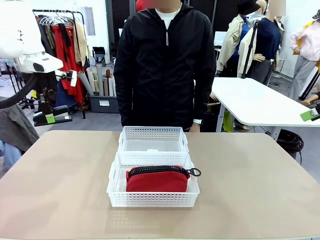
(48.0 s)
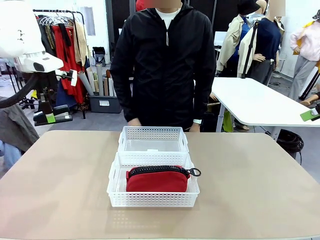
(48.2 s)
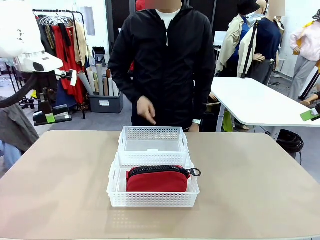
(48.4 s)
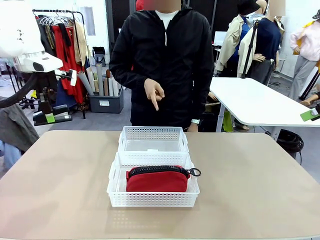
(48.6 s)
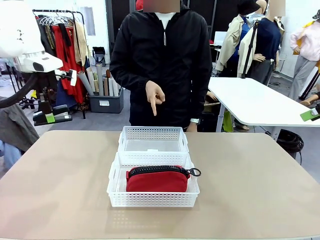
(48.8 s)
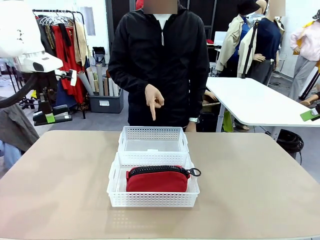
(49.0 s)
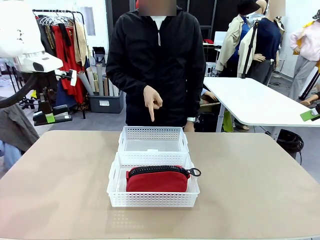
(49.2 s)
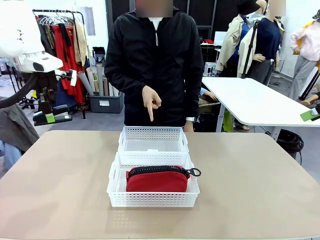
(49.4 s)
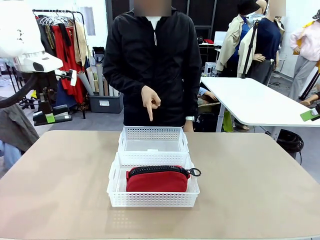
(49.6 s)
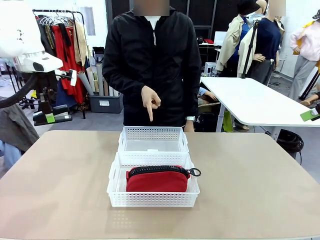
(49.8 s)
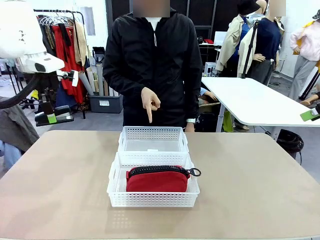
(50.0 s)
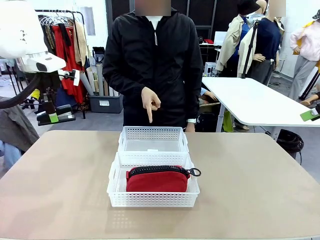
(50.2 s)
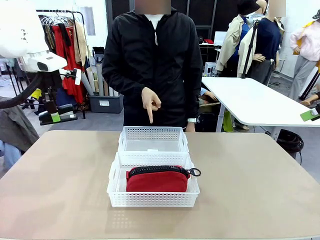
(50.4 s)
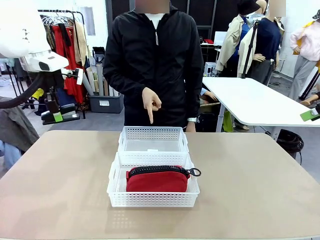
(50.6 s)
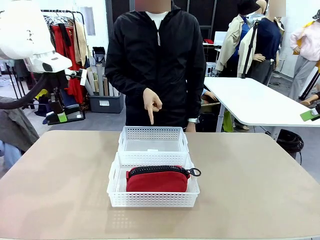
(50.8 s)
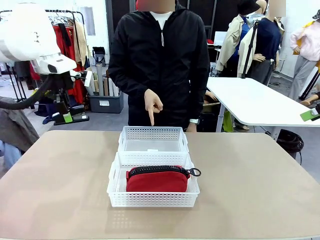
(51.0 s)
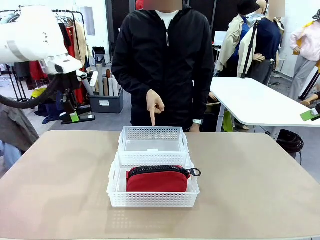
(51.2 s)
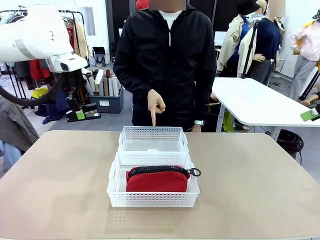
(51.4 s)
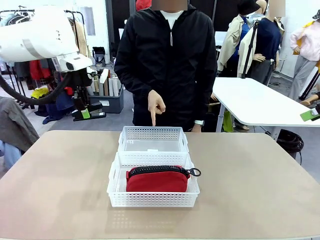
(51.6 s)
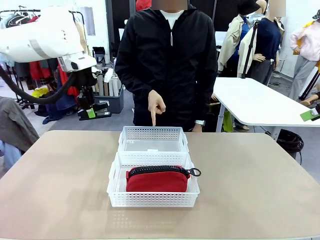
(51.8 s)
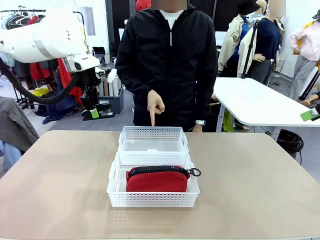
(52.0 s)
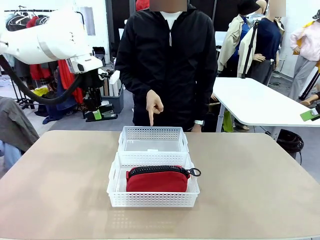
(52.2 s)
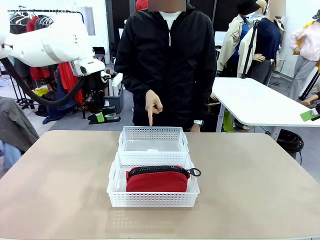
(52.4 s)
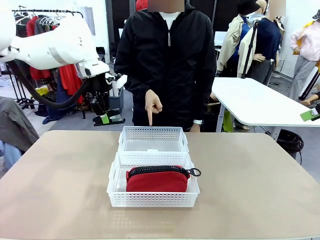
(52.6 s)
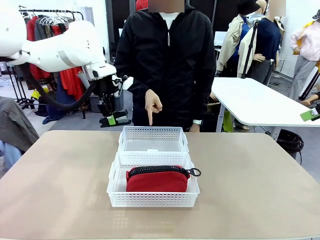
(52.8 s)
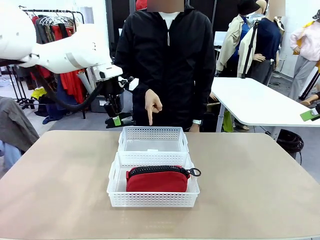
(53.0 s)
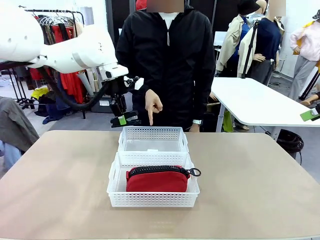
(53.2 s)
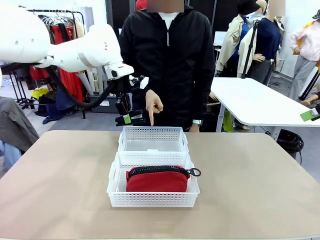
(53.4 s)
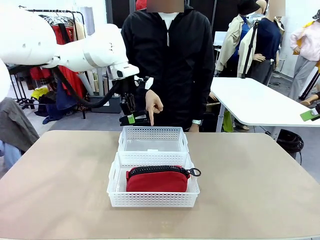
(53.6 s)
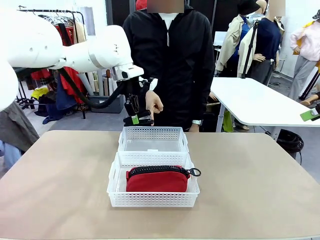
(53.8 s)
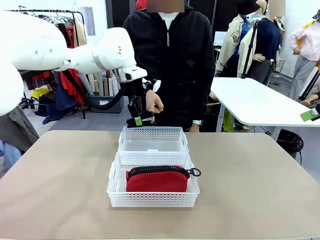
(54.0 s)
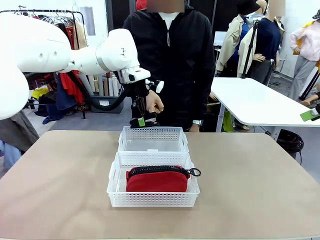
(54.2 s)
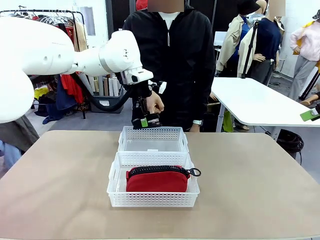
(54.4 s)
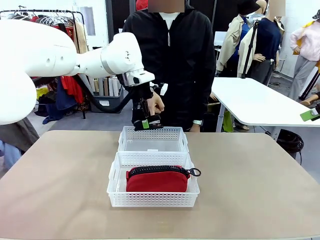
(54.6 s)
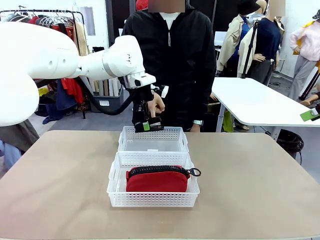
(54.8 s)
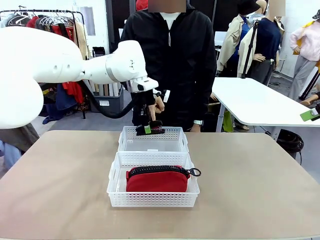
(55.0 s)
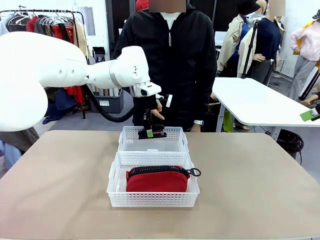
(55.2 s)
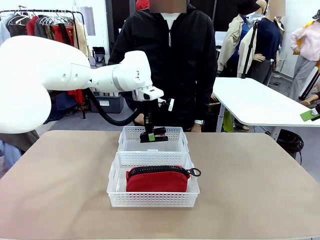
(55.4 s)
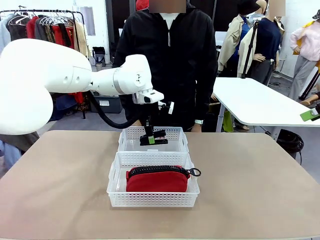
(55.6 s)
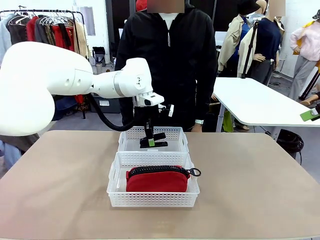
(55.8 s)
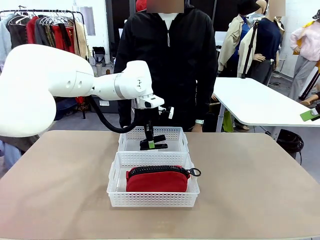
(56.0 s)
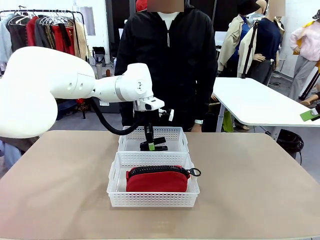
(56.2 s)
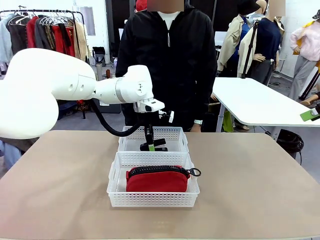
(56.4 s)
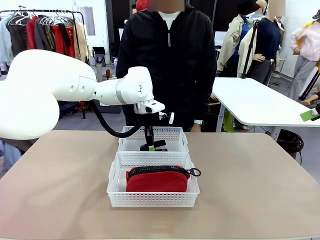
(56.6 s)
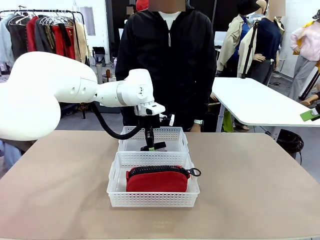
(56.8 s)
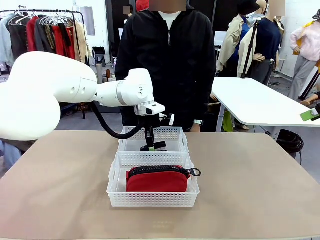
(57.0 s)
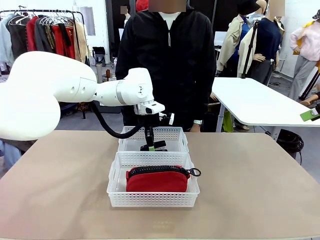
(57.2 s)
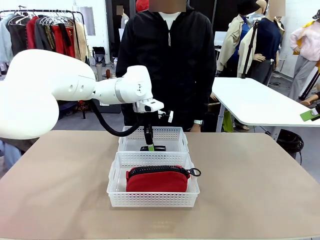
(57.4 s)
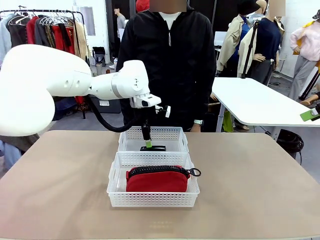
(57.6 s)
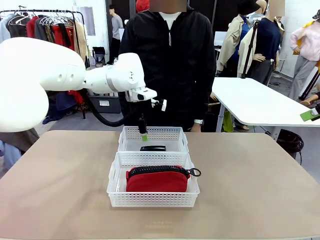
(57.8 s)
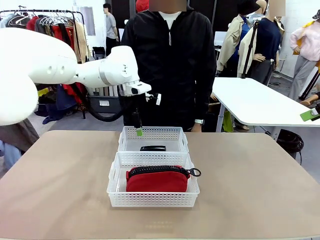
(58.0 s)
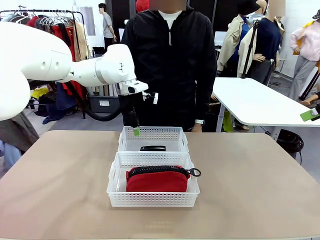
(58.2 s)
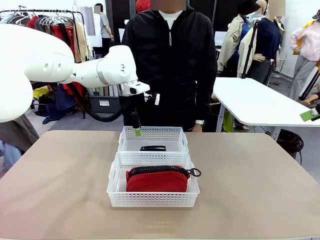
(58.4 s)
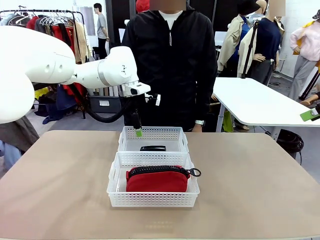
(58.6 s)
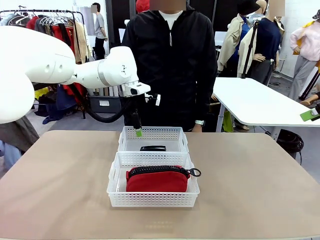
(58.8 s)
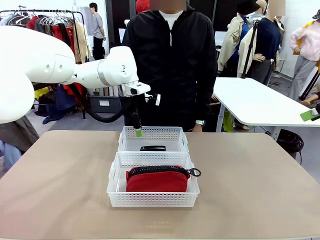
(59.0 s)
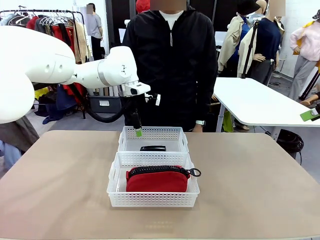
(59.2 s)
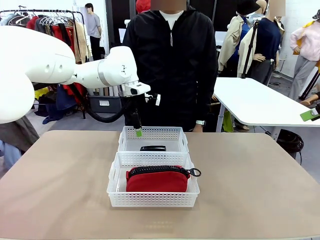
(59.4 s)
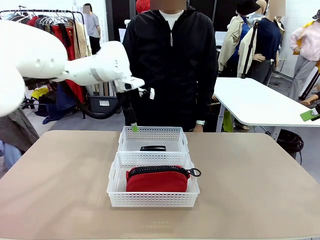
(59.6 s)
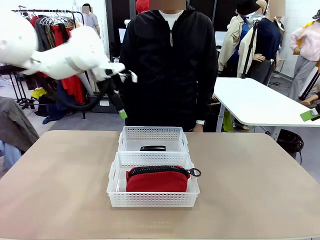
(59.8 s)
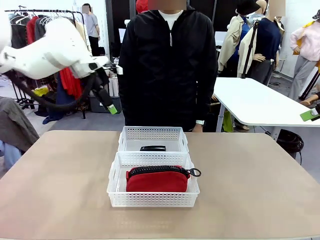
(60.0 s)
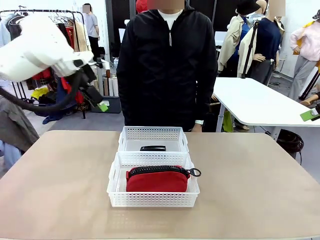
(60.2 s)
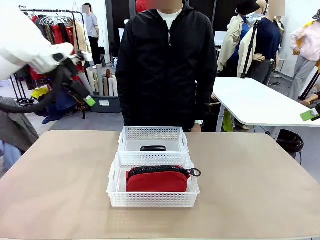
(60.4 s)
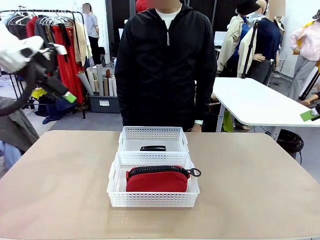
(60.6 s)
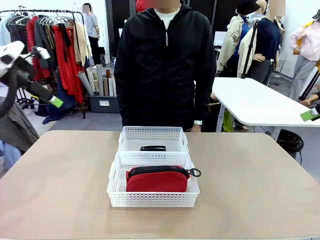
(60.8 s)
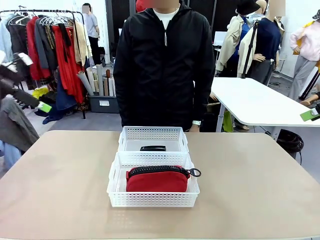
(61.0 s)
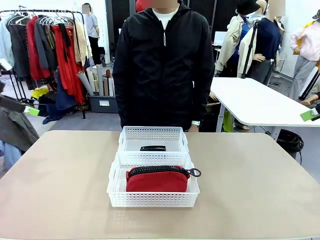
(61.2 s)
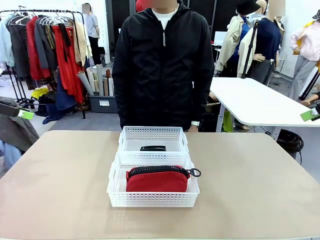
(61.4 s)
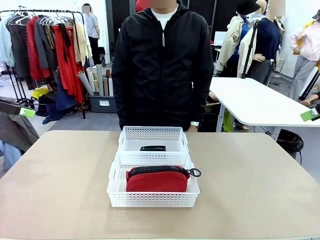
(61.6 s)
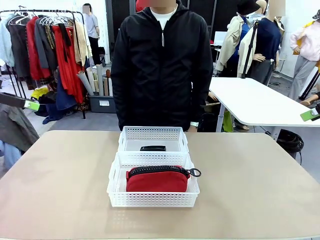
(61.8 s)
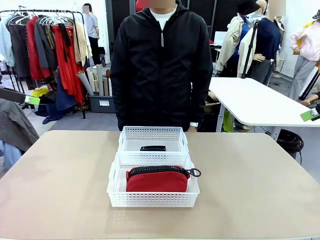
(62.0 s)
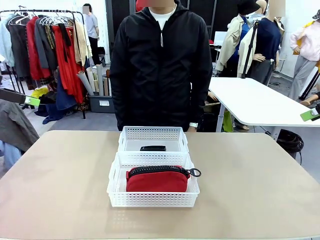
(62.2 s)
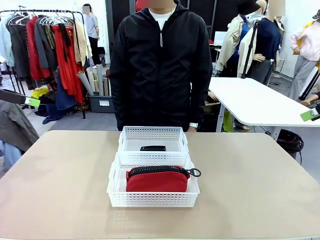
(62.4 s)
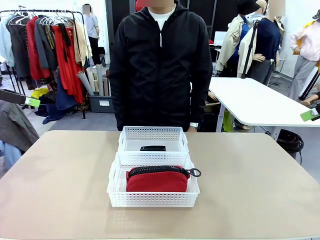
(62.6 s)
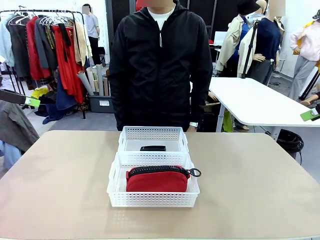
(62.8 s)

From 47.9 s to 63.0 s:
Task: Distribute items into two baskets.
Robot: Place the picked Stapler into the Organizing basket as instructed by the person.
Person: Points to the basket that does not contain the pencil case and instructs the robot to move the stapler there.

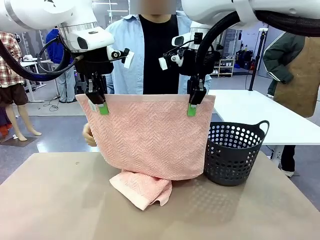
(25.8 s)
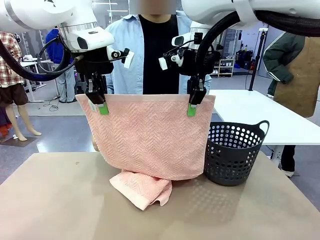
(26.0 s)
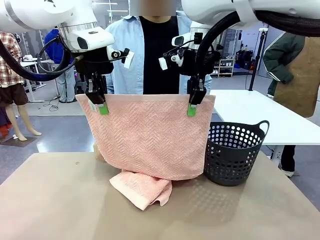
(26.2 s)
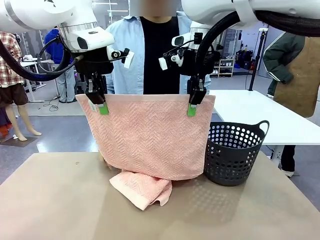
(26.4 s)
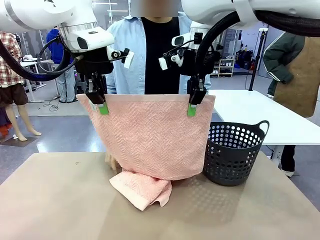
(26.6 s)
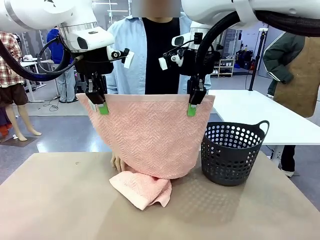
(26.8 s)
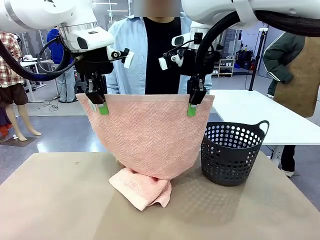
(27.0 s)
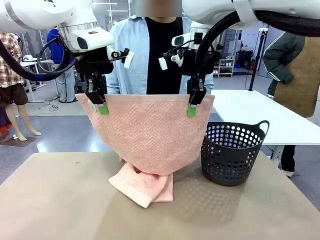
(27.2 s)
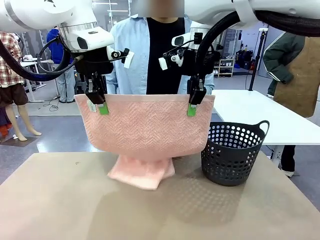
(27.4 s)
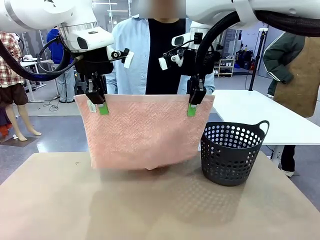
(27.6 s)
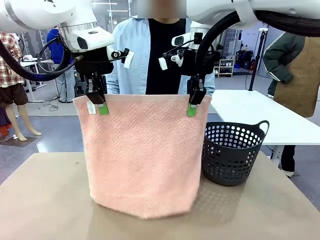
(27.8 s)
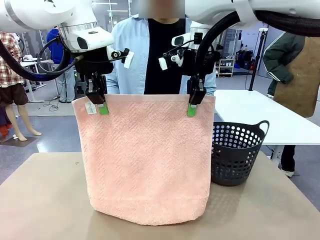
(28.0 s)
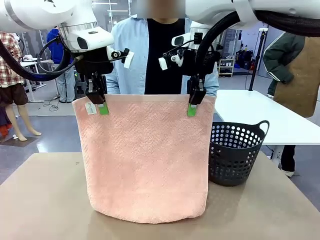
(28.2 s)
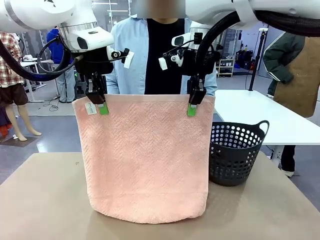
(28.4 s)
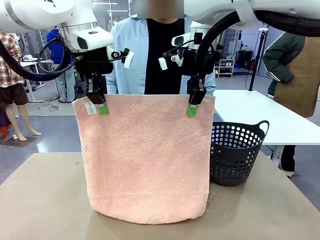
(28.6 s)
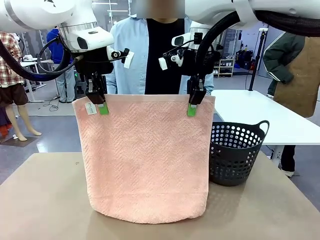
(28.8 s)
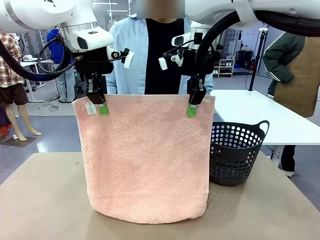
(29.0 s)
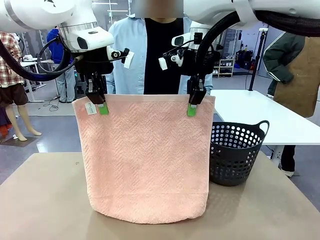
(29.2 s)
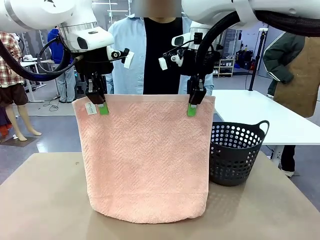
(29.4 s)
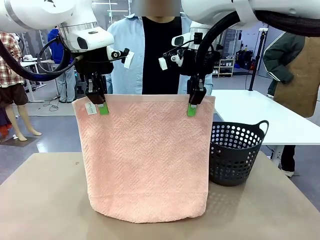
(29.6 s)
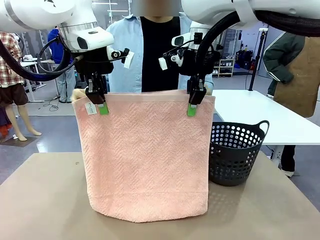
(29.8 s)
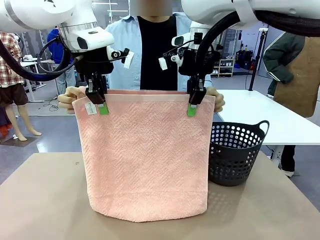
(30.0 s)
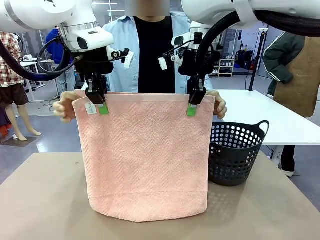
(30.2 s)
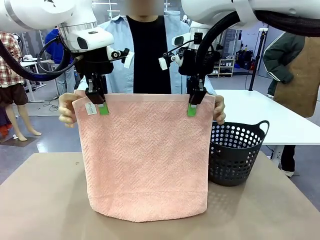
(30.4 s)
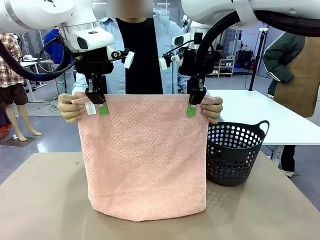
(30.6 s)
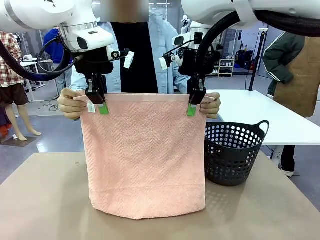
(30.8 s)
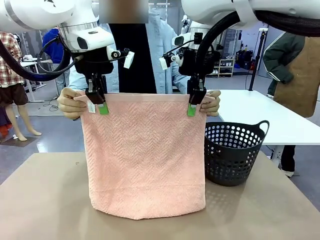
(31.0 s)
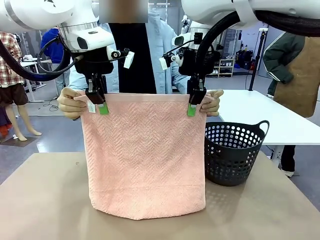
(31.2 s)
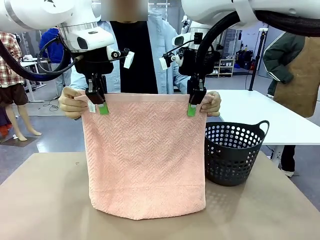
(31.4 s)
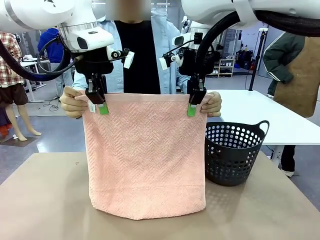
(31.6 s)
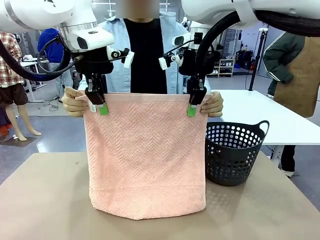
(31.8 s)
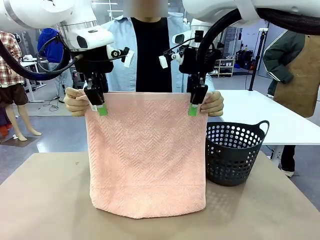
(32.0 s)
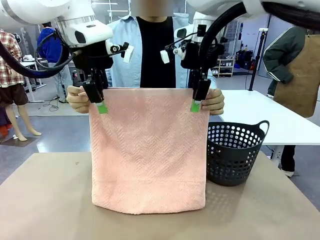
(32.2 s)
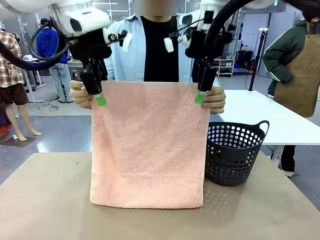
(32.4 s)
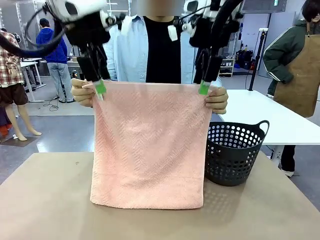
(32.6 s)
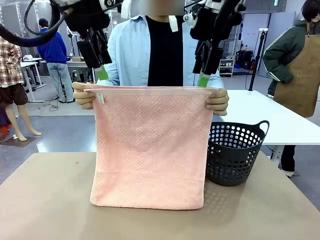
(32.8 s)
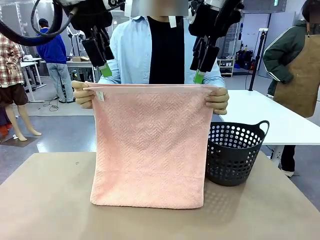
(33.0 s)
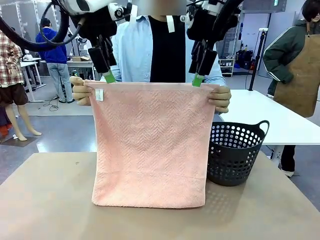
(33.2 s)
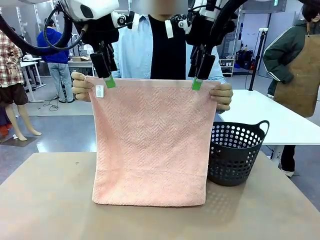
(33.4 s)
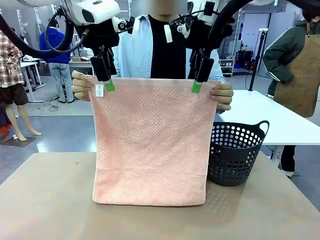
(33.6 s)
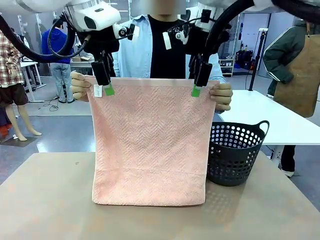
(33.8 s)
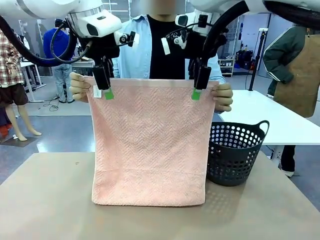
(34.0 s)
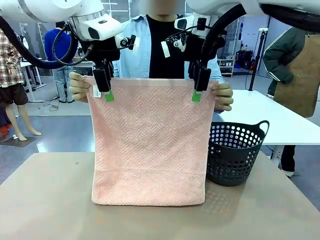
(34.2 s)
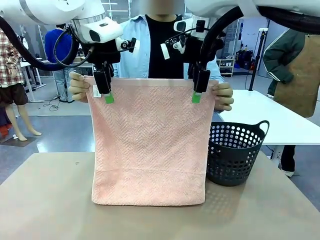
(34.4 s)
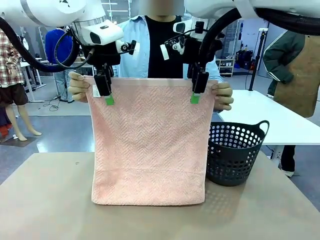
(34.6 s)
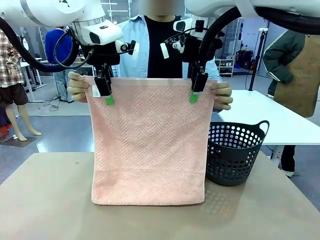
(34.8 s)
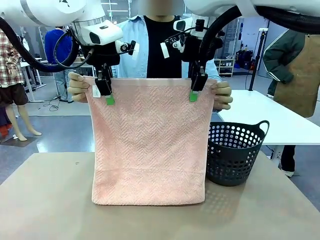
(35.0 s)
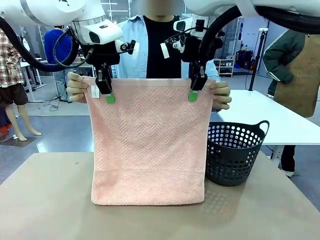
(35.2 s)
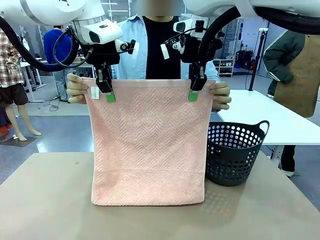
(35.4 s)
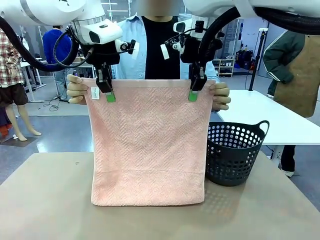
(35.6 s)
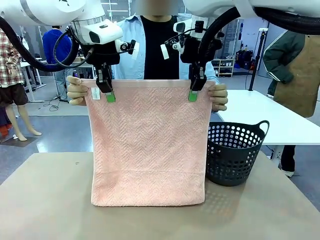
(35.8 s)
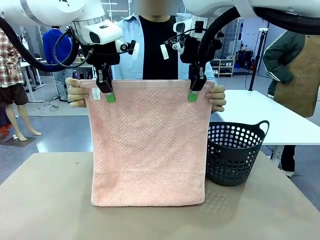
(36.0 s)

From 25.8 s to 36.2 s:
Task: Fold the towel.
Robot: Release the end of the 100 cm Hotel Towel you were holding and grab the top end of the folded side.
